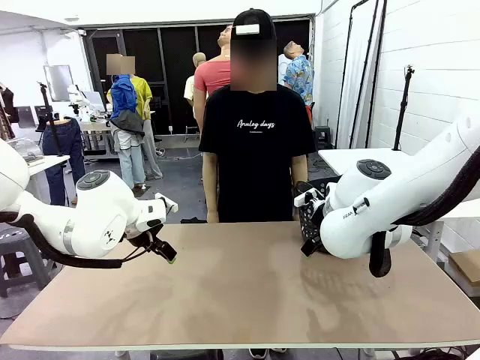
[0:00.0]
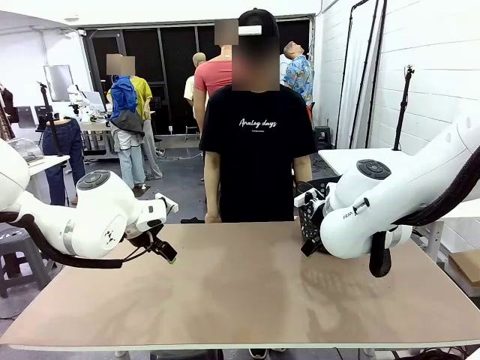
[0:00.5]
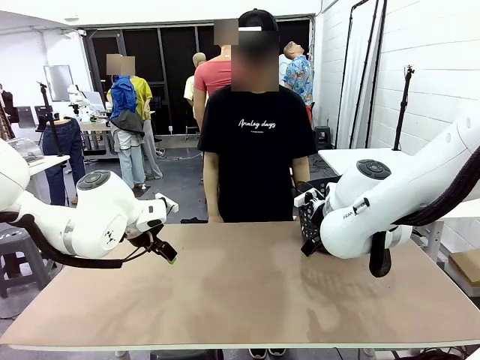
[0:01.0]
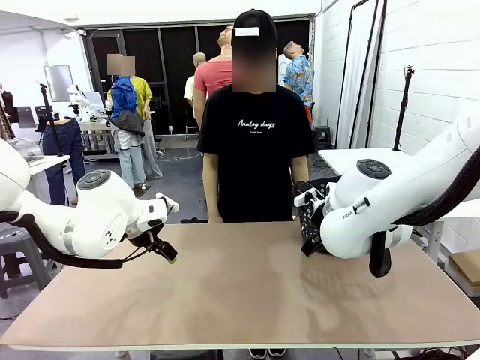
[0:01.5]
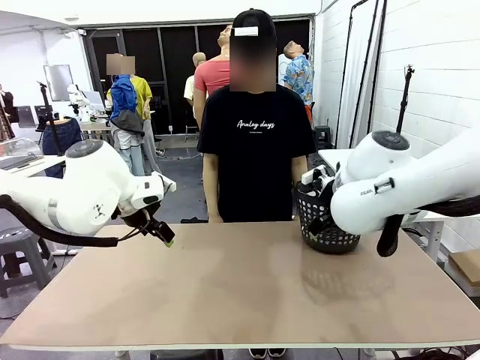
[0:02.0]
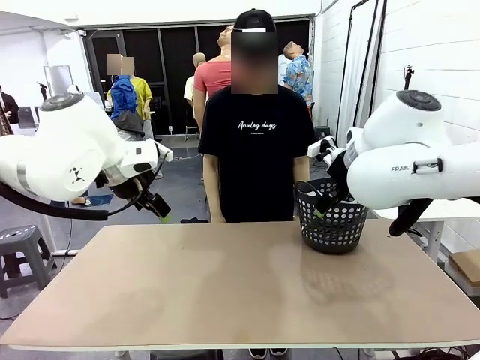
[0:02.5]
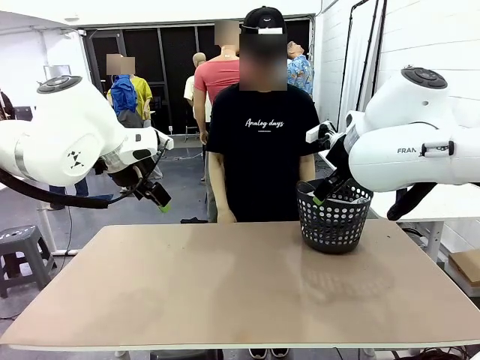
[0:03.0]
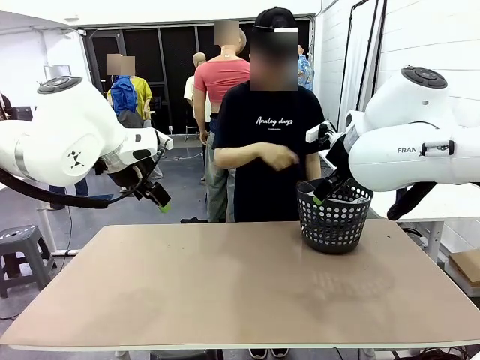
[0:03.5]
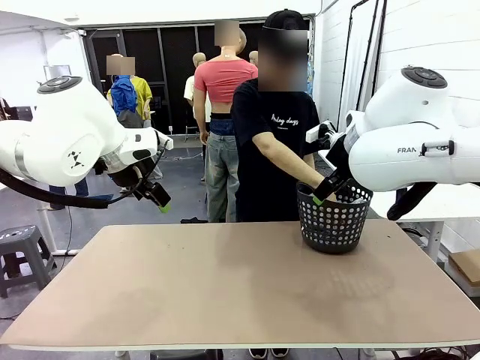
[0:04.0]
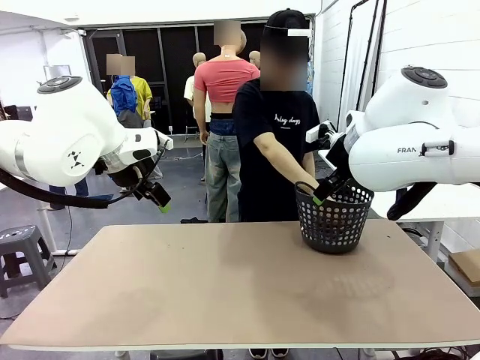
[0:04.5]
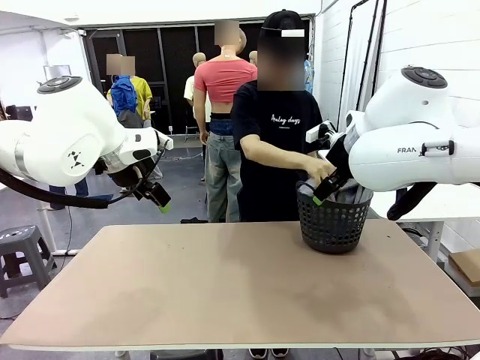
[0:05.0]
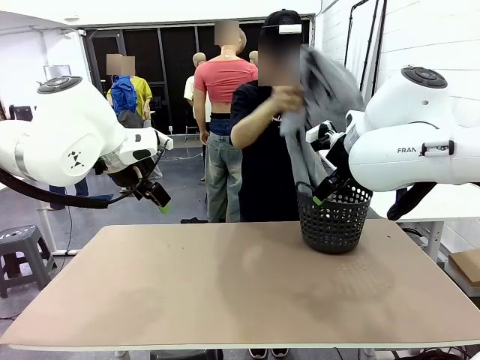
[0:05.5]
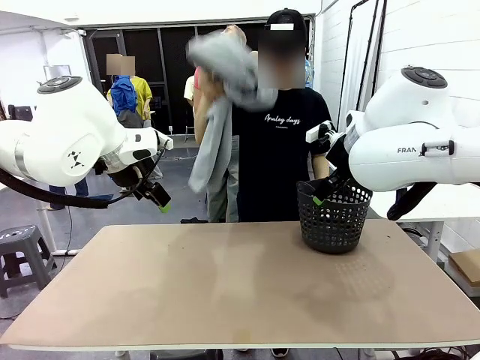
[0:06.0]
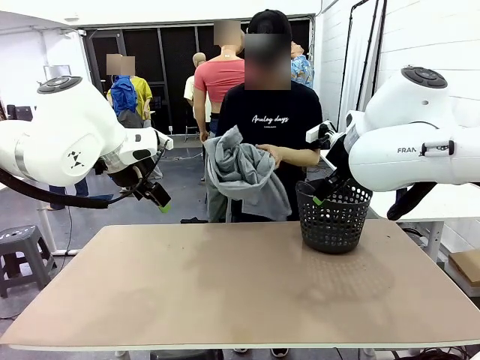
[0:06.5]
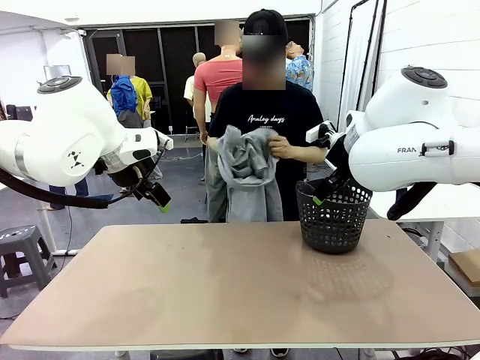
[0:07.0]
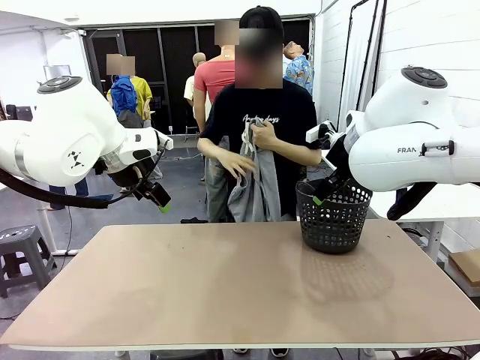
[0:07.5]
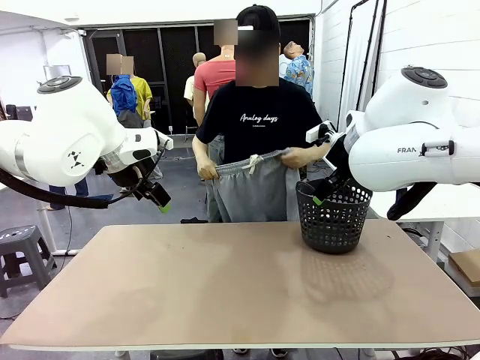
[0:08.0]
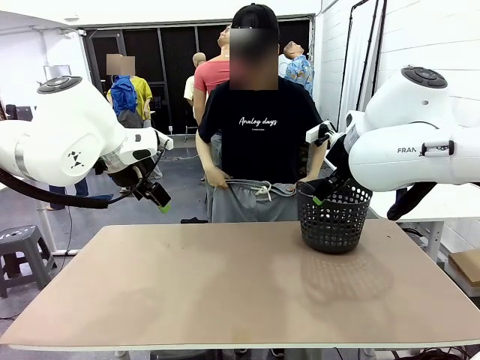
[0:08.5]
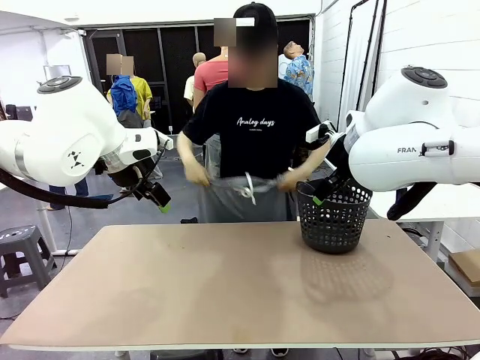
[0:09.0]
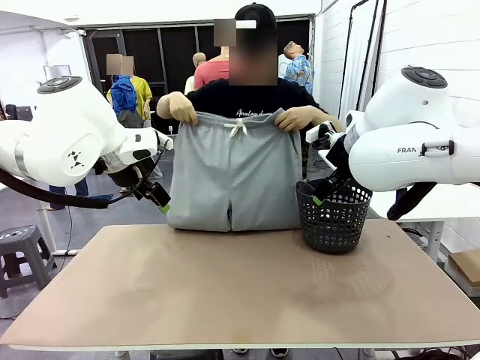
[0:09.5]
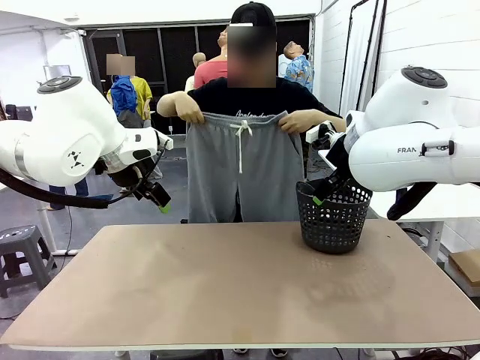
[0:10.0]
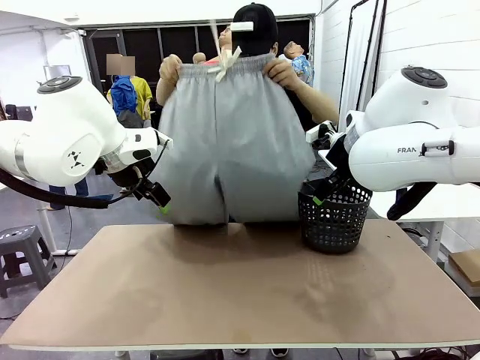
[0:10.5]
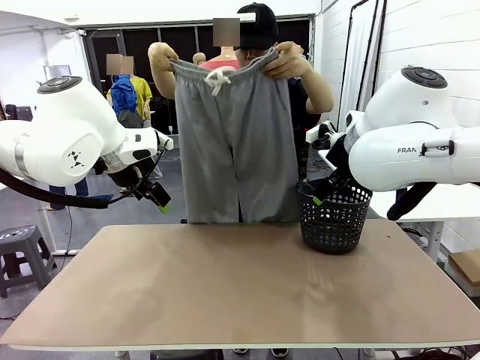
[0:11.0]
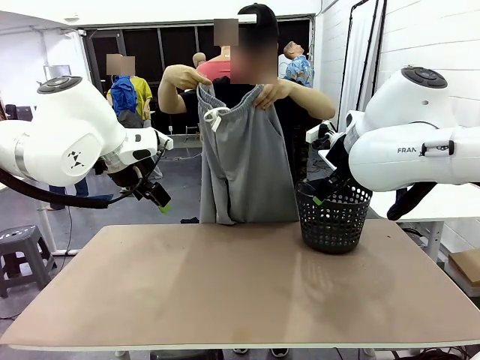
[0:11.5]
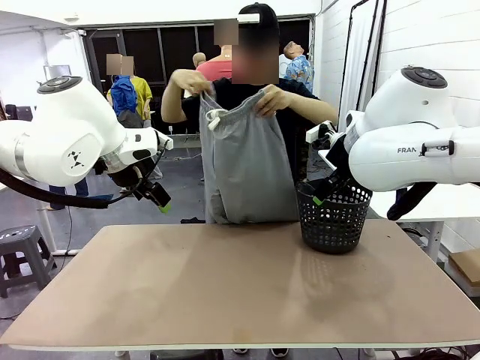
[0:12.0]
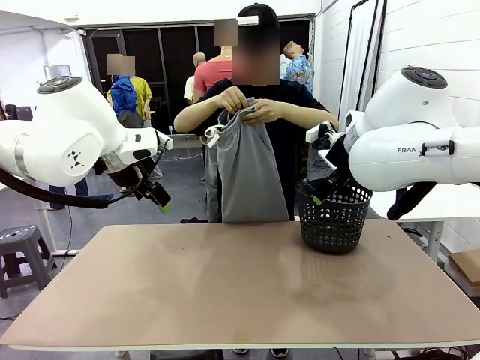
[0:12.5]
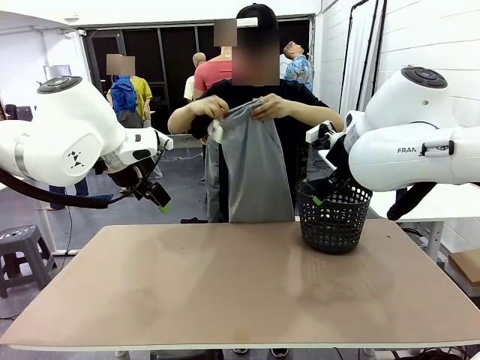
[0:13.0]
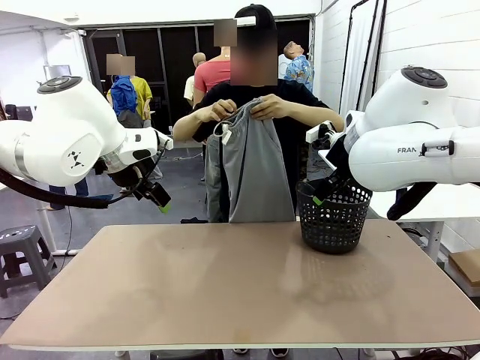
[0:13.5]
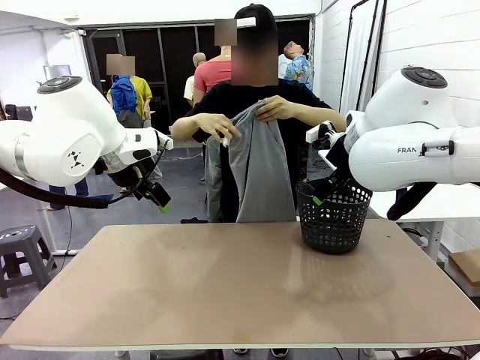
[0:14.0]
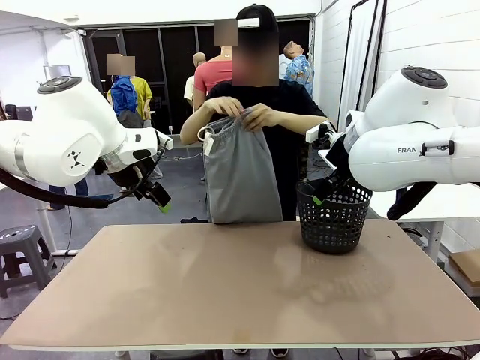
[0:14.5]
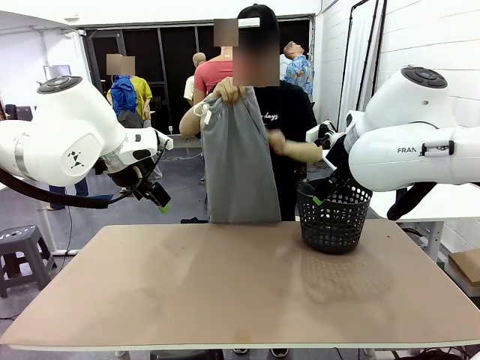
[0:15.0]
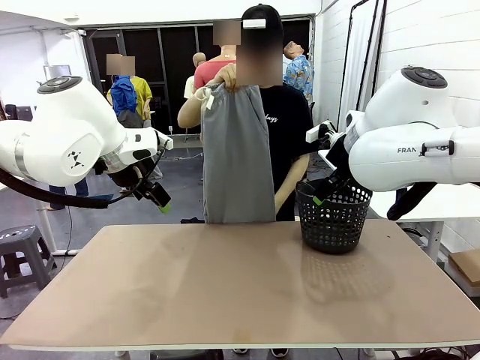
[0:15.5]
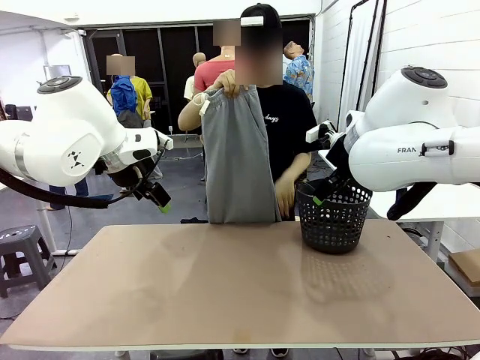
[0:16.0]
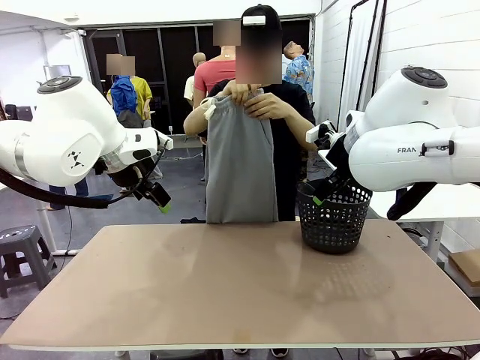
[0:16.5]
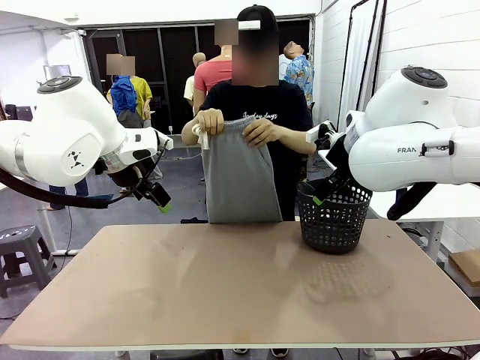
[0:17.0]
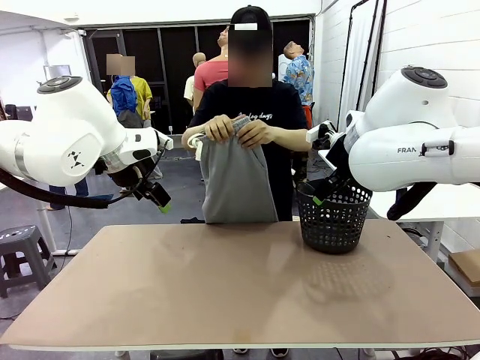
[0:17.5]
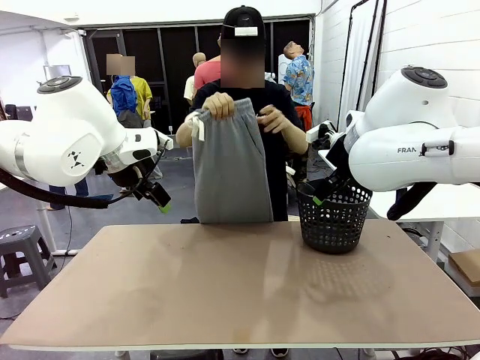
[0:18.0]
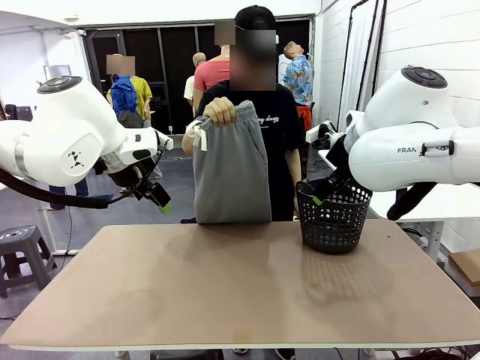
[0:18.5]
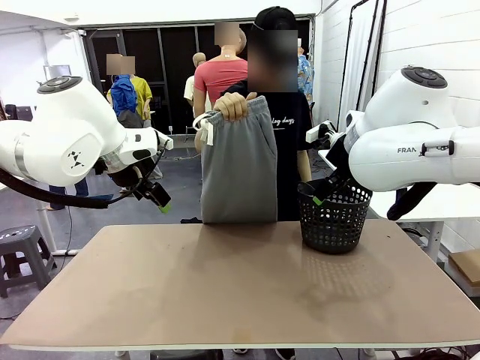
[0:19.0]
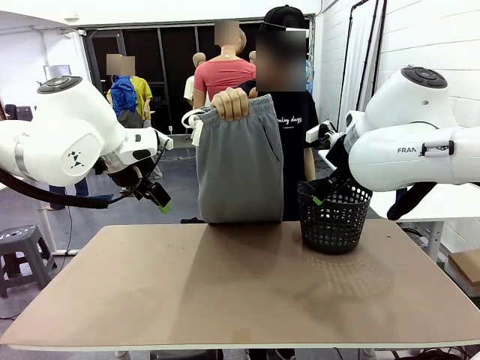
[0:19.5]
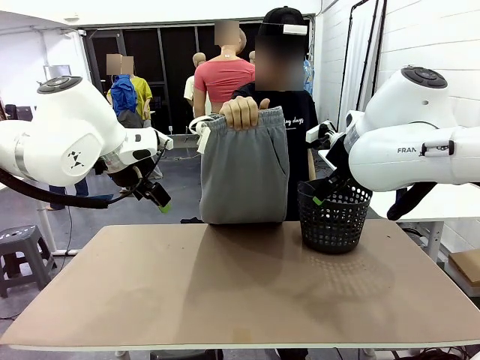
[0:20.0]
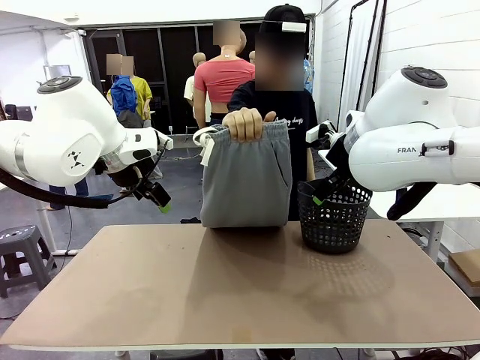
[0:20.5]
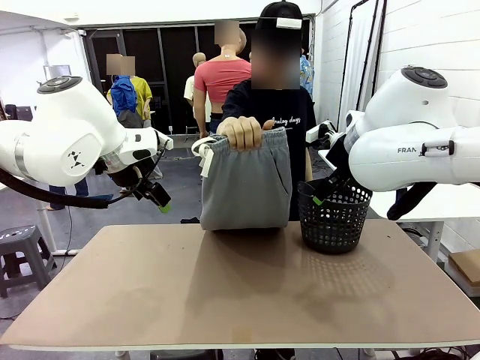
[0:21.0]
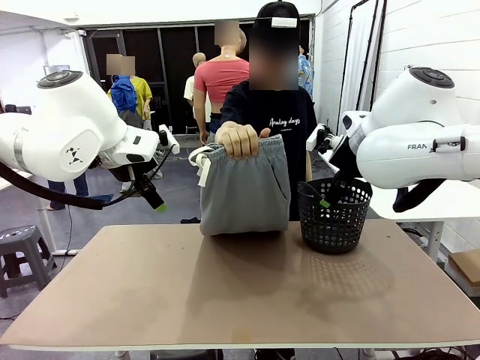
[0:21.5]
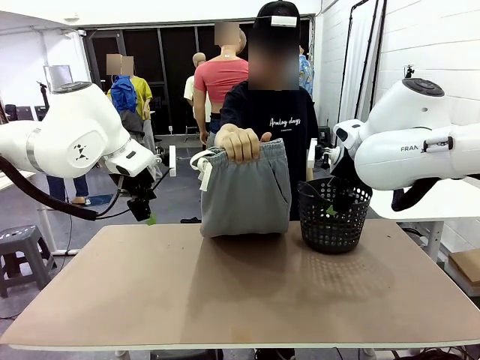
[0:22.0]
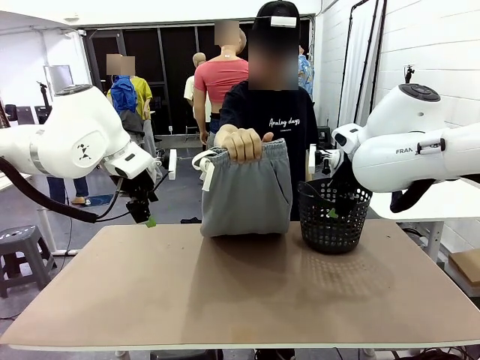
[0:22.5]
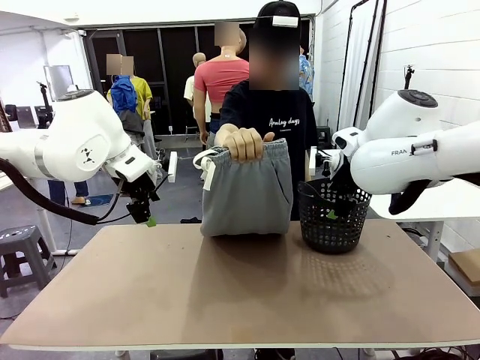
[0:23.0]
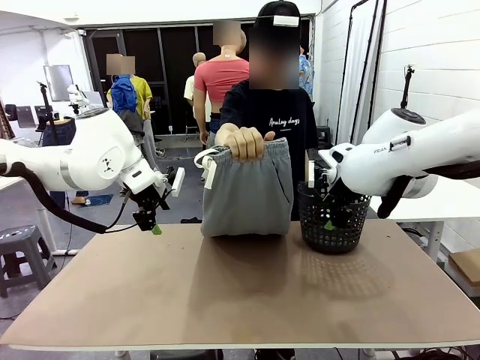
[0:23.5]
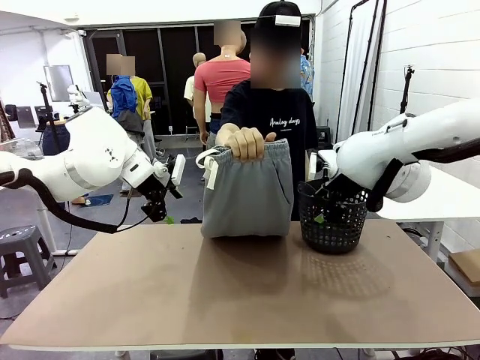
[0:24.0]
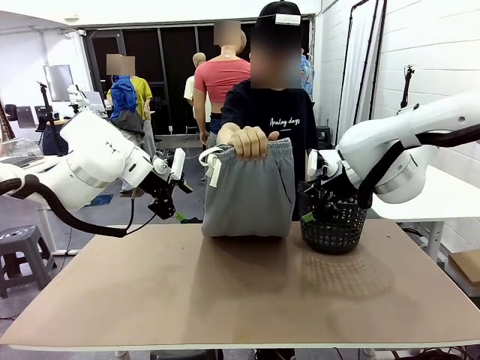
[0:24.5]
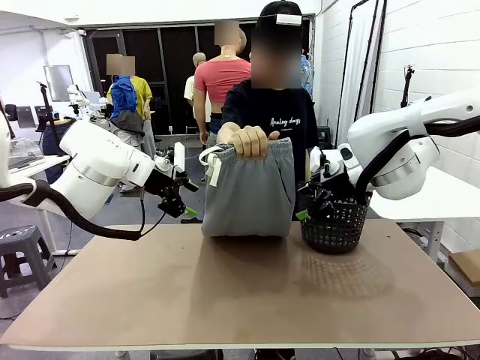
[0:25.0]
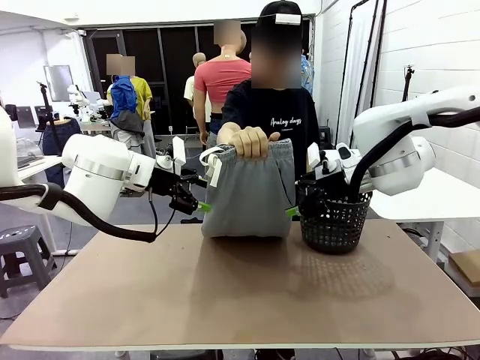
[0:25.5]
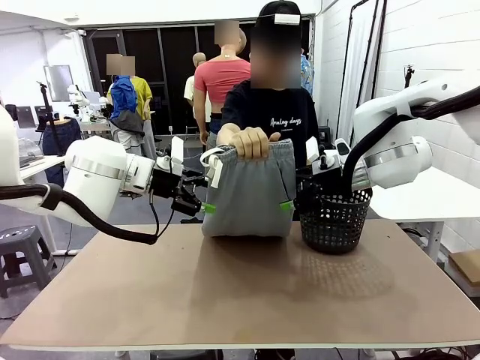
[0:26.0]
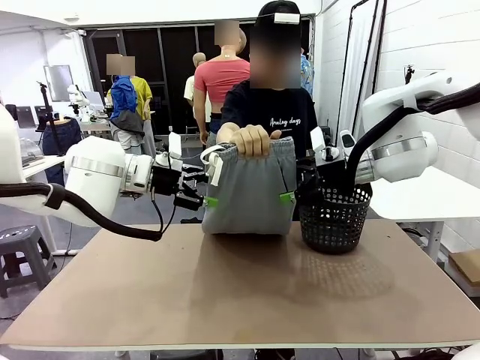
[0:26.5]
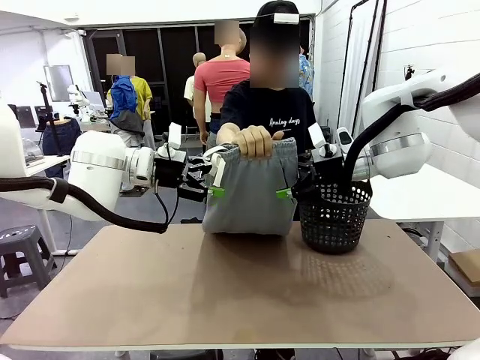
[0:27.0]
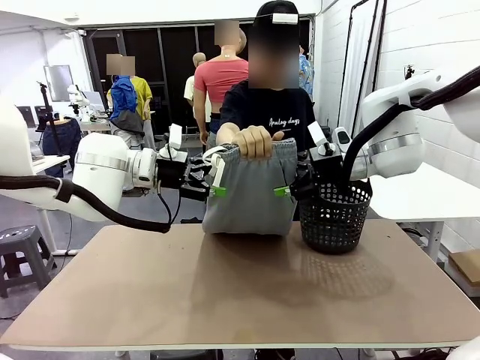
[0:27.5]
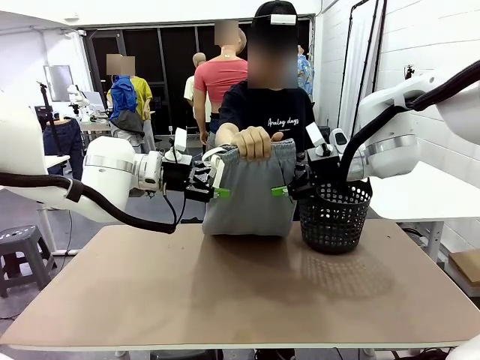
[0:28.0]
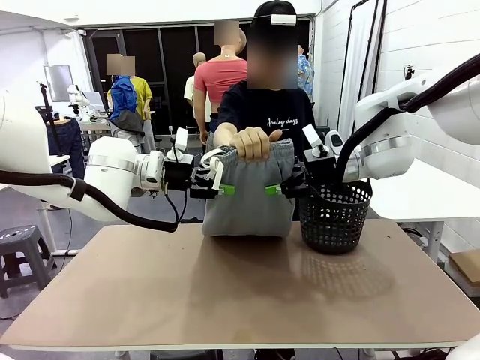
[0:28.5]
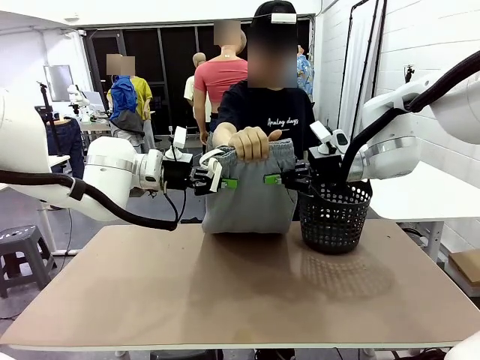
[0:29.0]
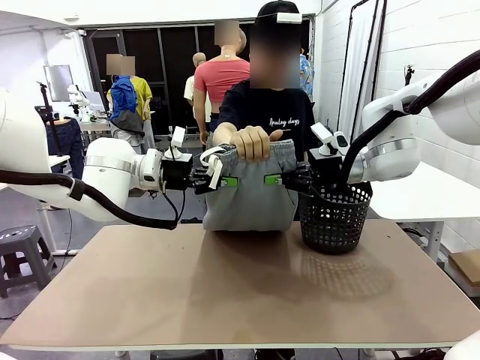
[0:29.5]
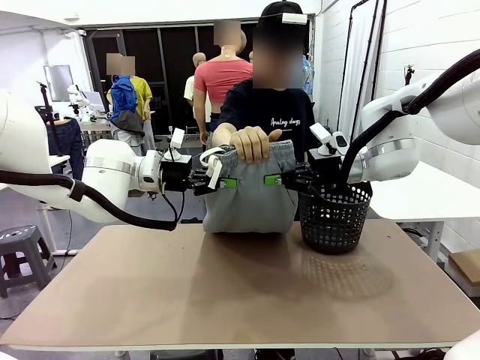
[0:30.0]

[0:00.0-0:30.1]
Task: Fold the training pants.
Robot: Grab both ends of the Training pants handed by a person.
Person: Take the long pants out of the laundry basket, unfold them, fold the waist in half, and extend them so the robot can pick up both corners.
